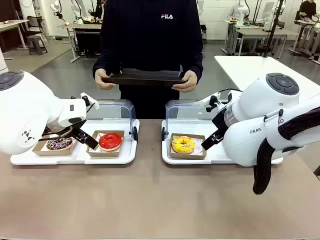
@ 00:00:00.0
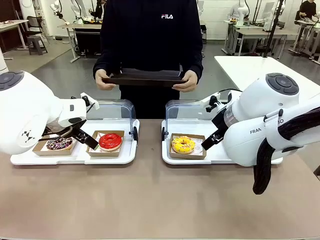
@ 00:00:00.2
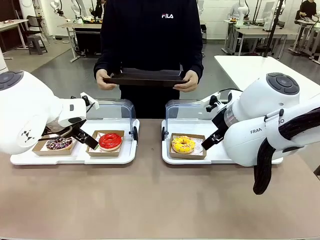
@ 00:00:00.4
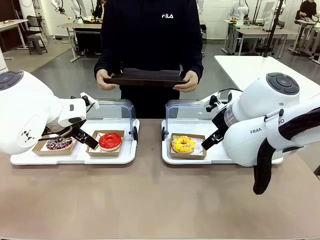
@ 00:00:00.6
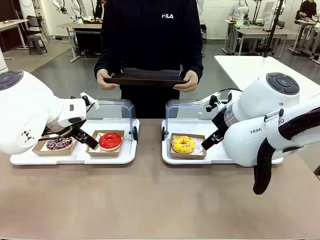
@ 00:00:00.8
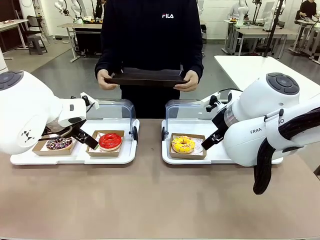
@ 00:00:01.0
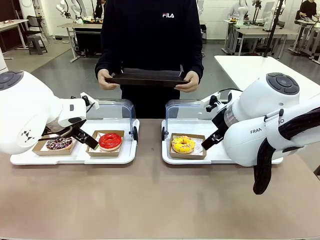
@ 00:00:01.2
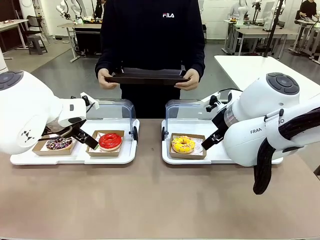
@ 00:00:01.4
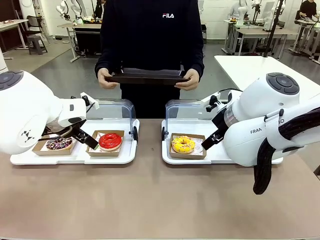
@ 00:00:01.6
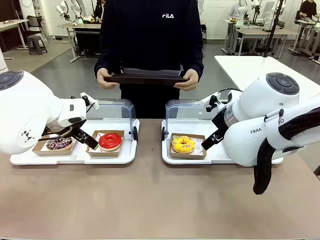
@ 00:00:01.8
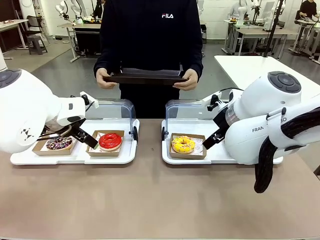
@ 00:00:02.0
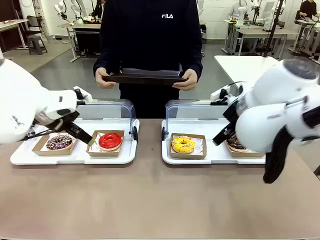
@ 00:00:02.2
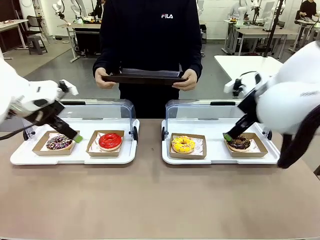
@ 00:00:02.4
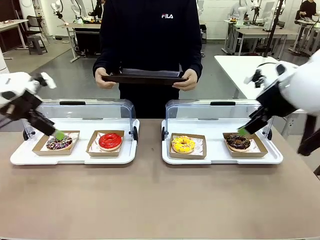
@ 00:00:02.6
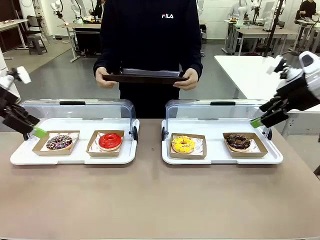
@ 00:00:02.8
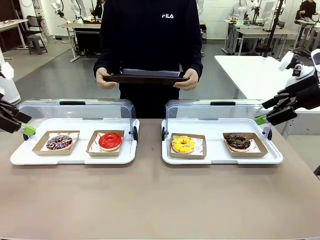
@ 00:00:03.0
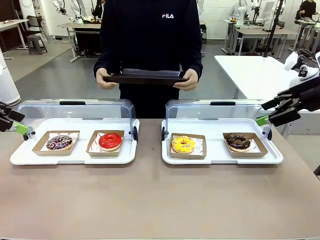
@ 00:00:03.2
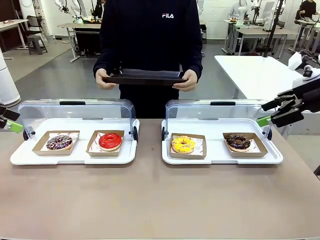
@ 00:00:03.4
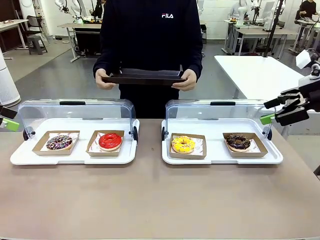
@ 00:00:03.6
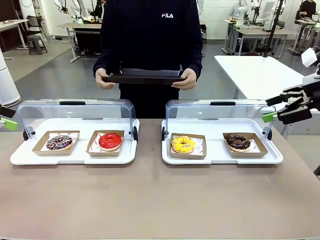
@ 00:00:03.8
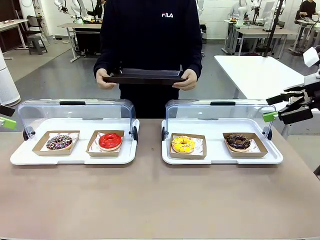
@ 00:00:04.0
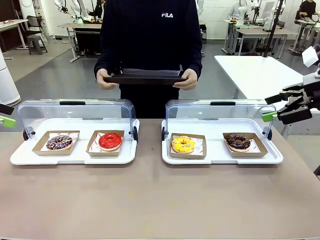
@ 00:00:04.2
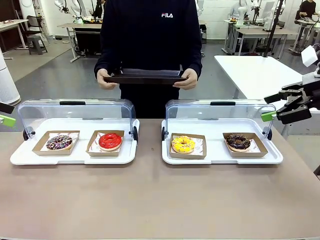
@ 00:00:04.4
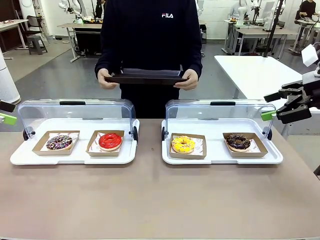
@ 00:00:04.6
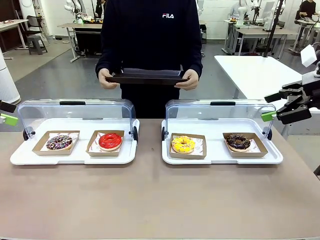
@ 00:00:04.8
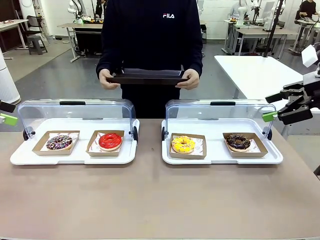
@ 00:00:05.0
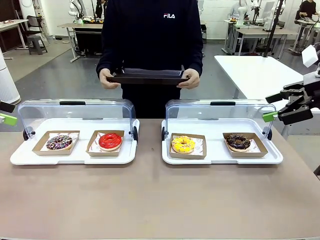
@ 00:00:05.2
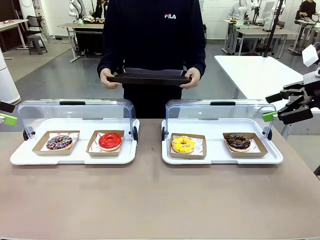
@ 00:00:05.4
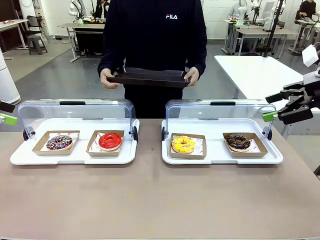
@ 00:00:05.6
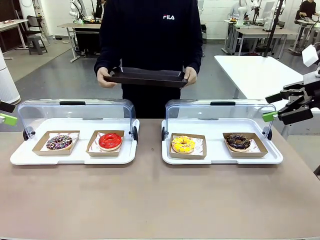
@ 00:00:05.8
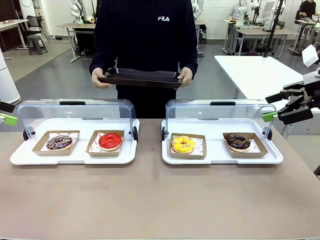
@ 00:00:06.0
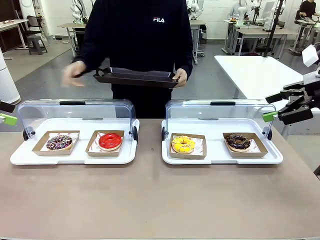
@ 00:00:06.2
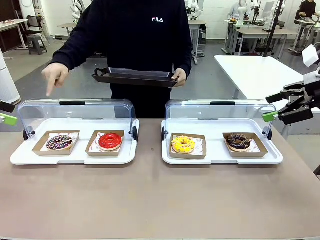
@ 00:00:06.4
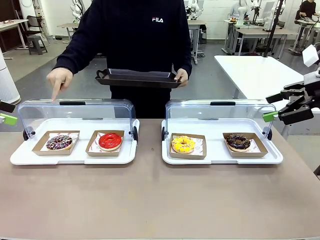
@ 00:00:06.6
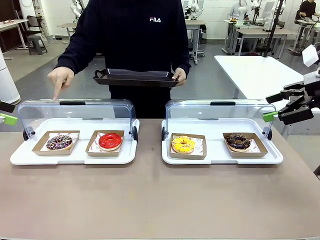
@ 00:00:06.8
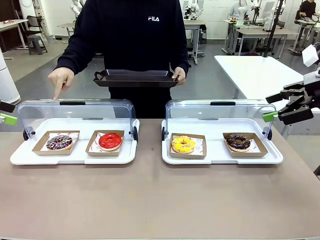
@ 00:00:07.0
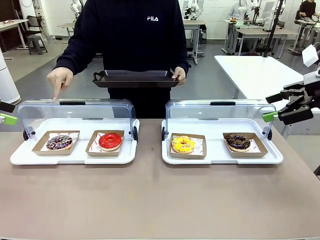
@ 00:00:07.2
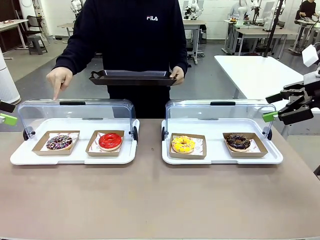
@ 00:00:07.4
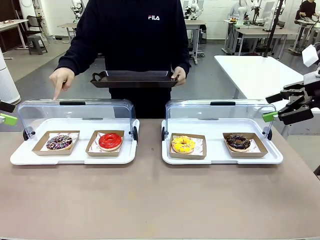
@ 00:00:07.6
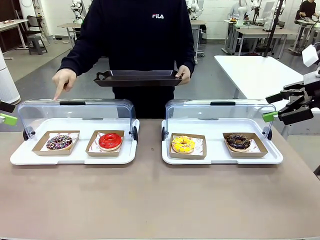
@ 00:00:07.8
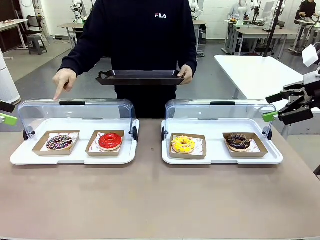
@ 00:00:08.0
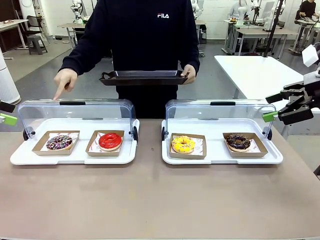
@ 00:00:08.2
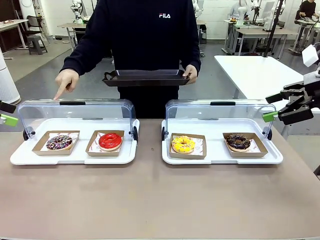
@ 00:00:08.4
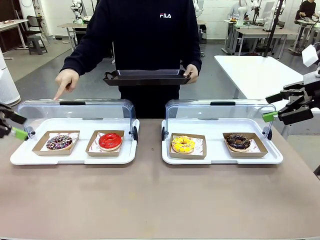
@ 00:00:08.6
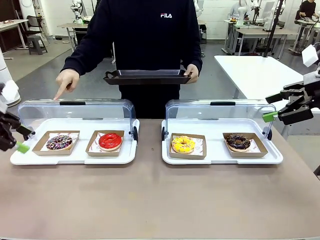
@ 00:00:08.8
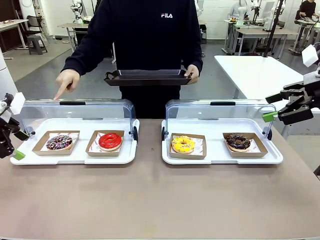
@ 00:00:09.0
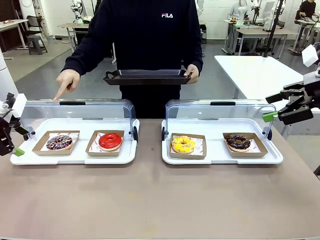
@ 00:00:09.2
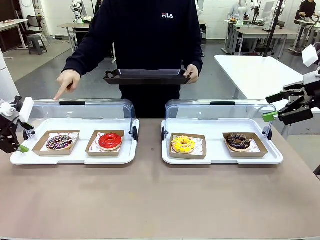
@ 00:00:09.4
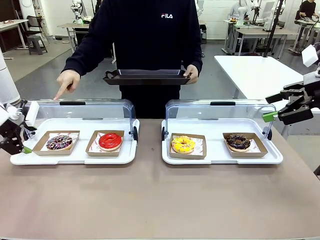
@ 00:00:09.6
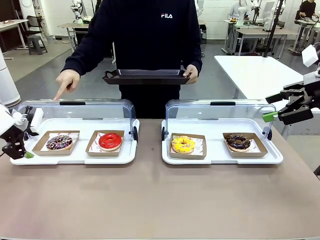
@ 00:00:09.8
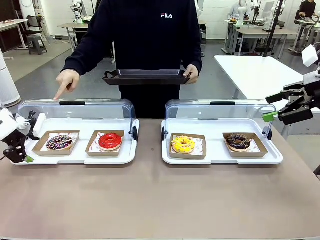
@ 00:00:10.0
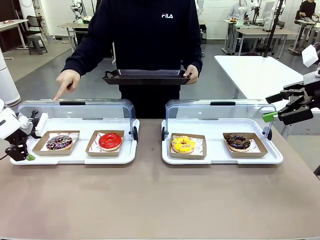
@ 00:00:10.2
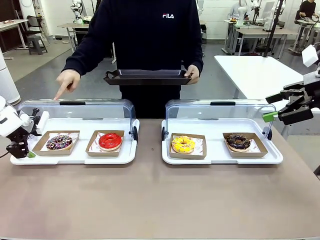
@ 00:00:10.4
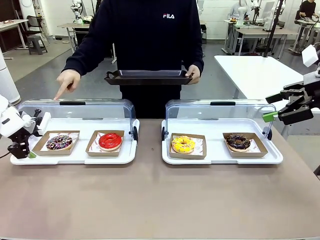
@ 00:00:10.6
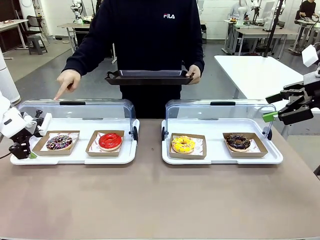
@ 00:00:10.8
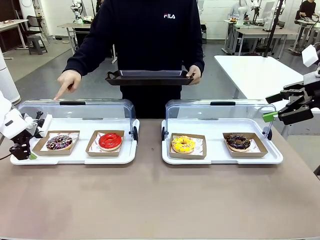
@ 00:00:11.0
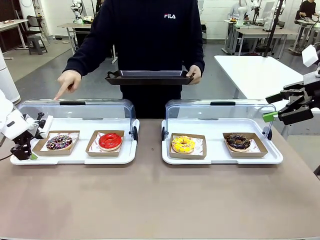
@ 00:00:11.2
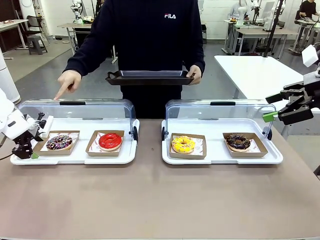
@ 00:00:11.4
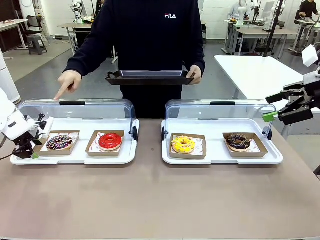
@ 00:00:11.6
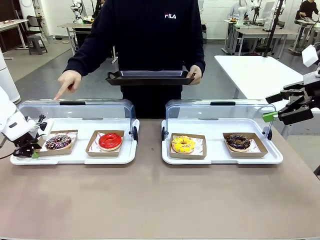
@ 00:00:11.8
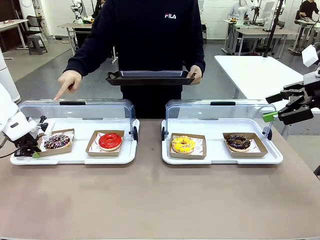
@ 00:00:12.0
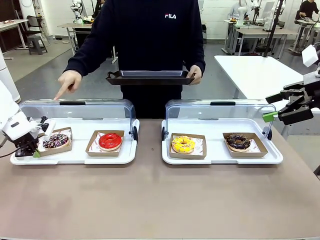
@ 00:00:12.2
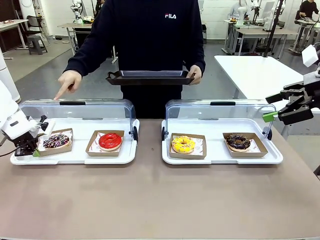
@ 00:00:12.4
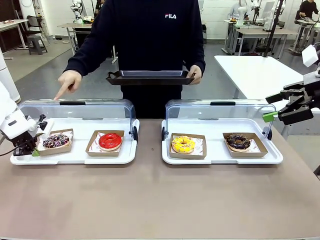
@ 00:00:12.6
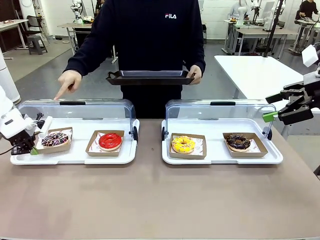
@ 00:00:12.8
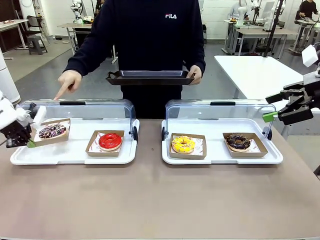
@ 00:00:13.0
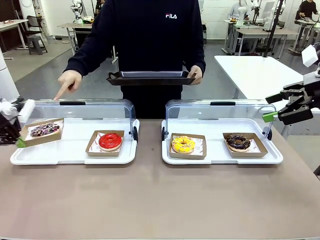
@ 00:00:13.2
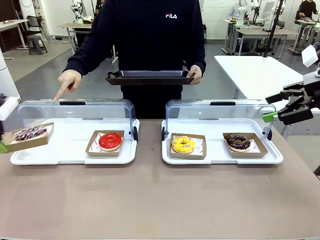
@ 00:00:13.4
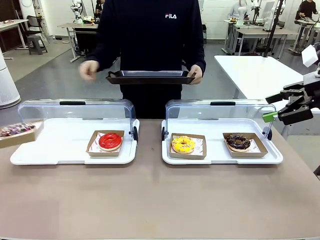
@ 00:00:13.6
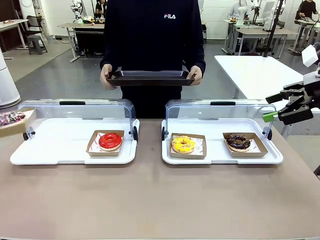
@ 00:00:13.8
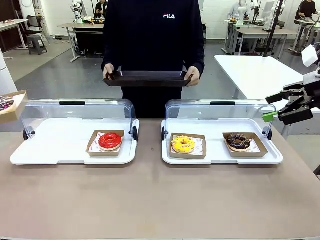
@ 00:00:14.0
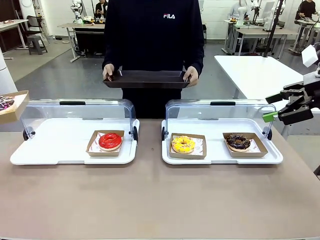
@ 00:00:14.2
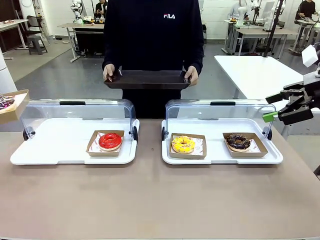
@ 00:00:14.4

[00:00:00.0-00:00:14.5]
Task: Provide the desired donut to the person.
Robot: Pick up and lift the Paper togo box containing the Donut pointed at by the person.
Person: Point to one donut. Lift the tray onto the Roll-Top Bakery Case.

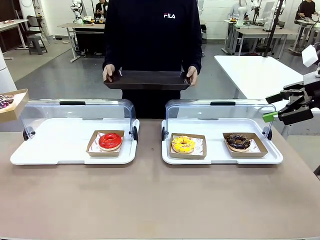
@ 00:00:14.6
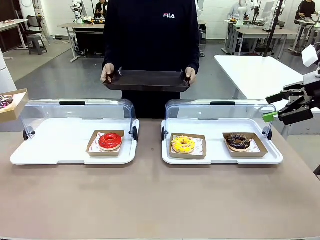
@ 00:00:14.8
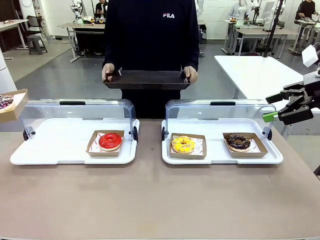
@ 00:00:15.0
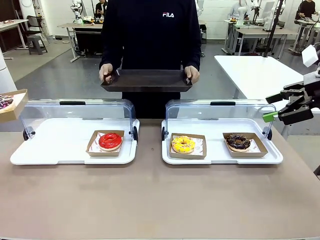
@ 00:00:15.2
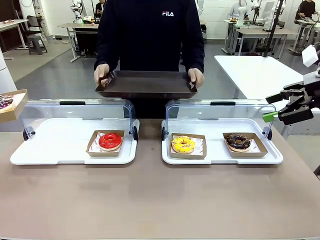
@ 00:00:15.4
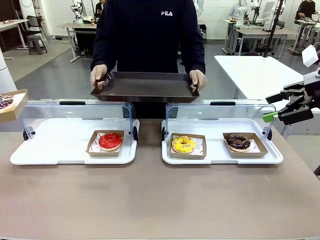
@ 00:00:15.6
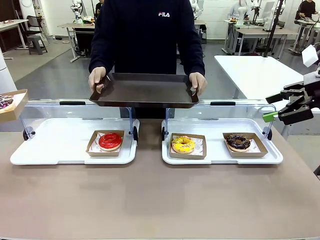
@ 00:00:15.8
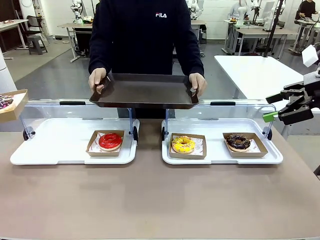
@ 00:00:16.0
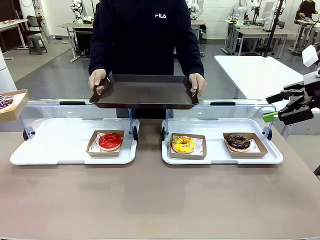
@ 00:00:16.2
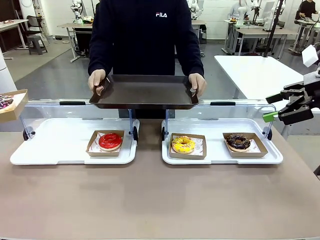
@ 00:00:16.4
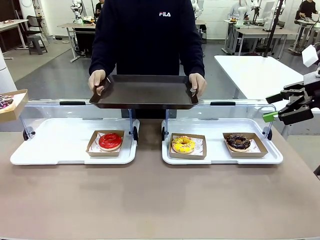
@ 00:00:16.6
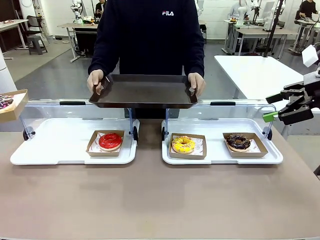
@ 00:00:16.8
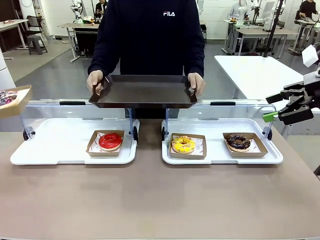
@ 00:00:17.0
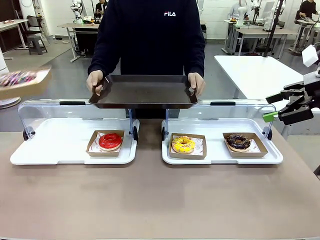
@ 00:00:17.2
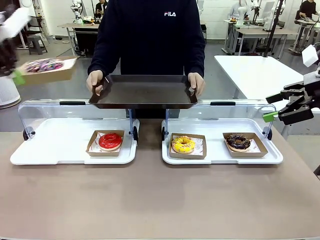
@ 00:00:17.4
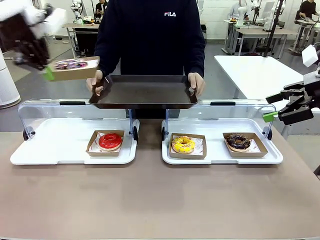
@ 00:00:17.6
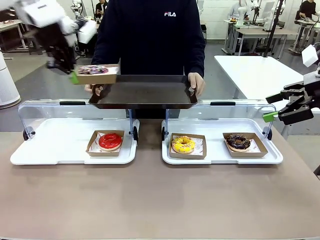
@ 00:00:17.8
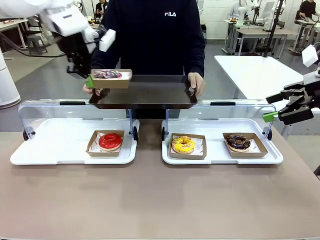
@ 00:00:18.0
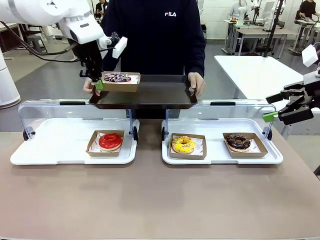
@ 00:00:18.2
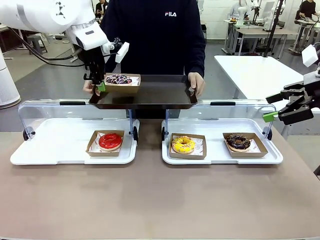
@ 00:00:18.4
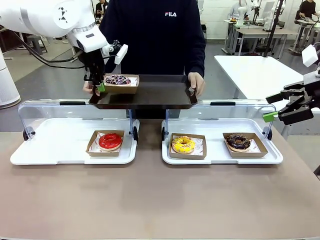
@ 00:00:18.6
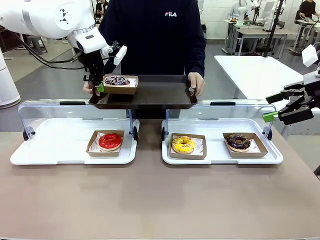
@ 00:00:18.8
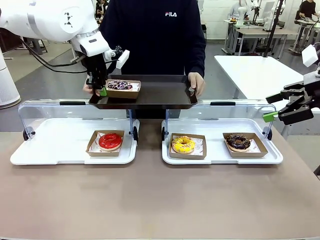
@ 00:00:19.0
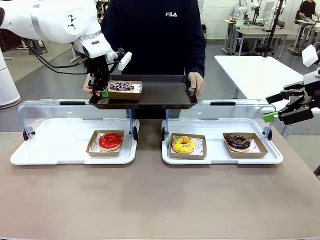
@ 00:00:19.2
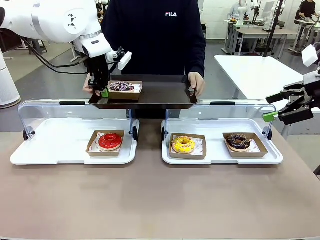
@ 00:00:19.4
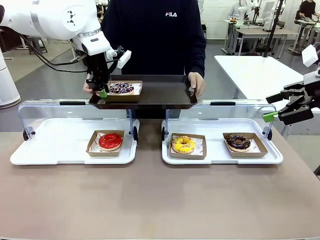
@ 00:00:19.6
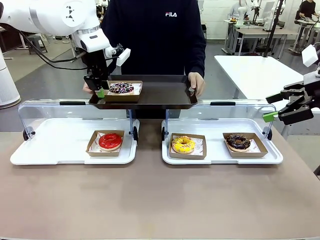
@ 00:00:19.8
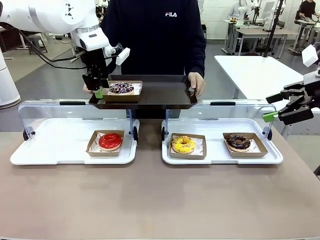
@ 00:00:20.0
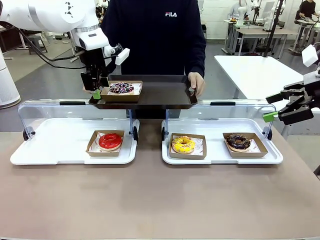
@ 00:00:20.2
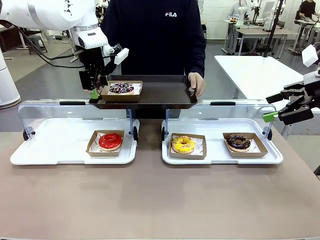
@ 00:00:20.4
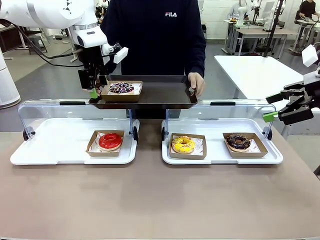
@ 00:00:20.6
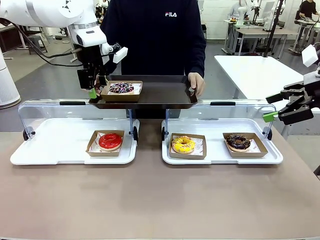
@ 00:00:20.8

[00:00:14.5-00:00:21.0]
Robot: Place the picked Paper togo box onto the Handle tray extended by the person.
